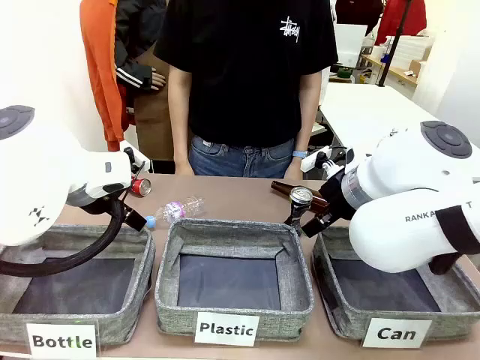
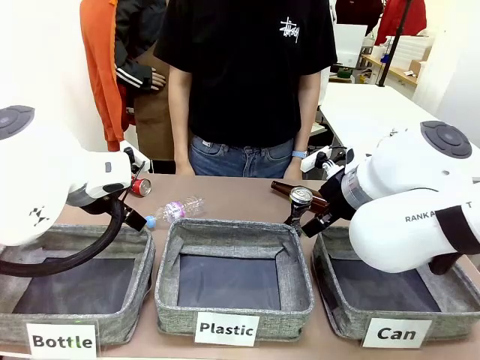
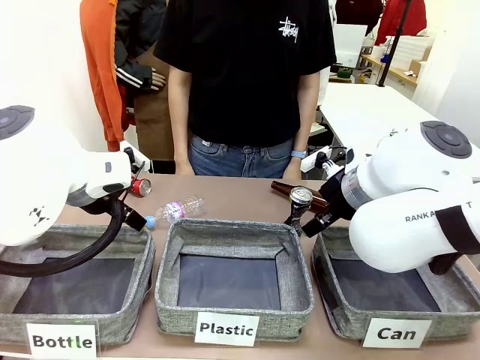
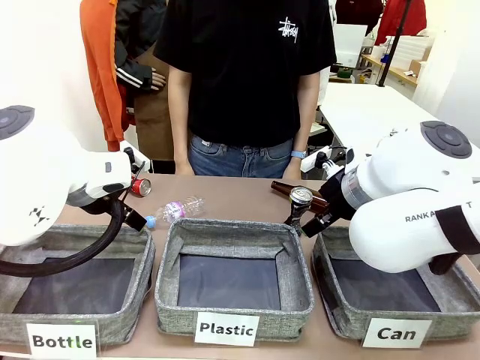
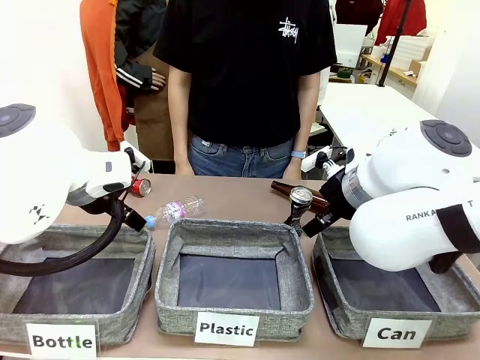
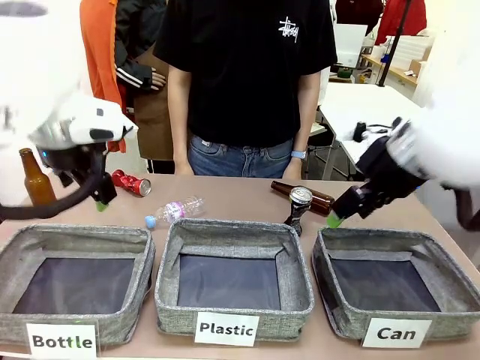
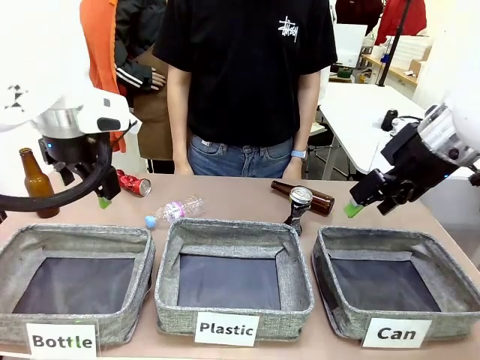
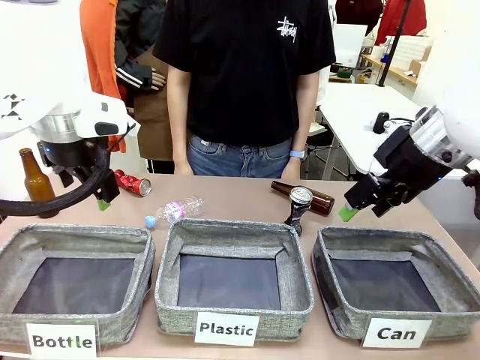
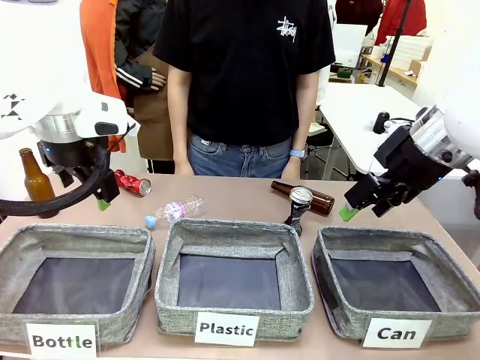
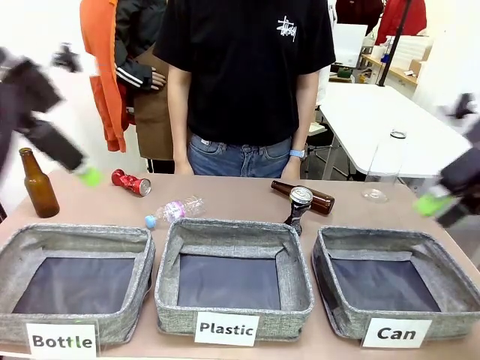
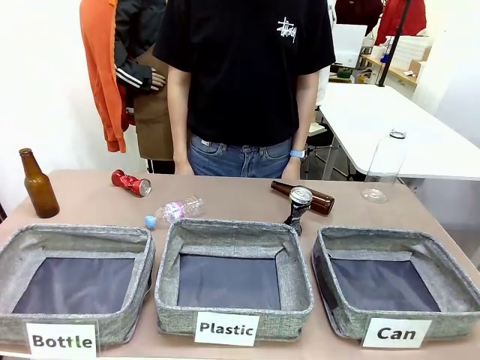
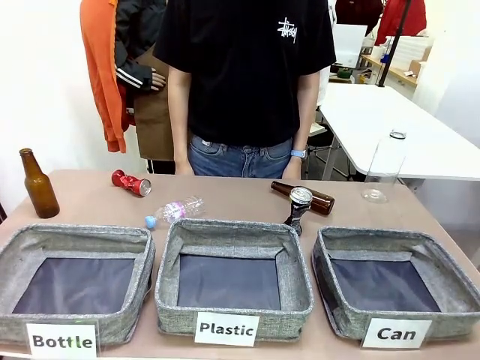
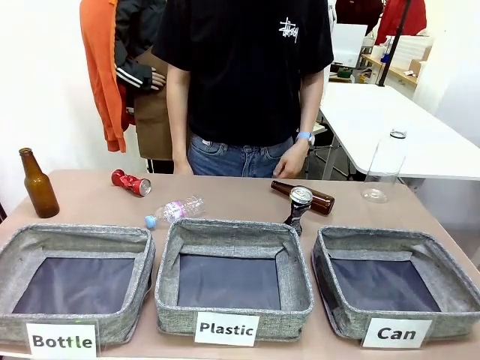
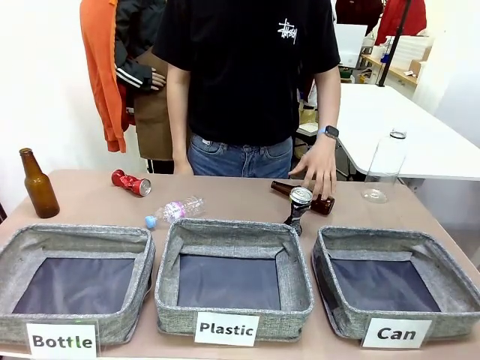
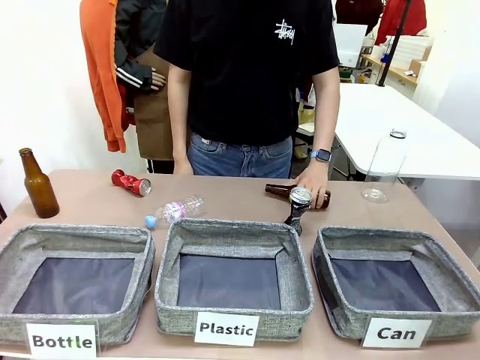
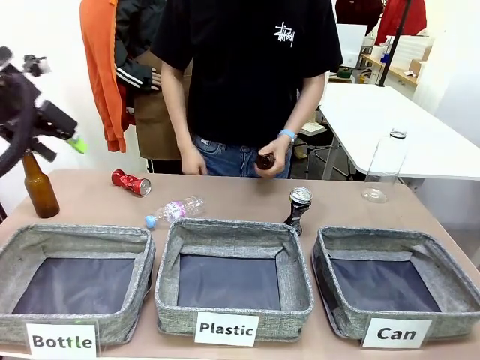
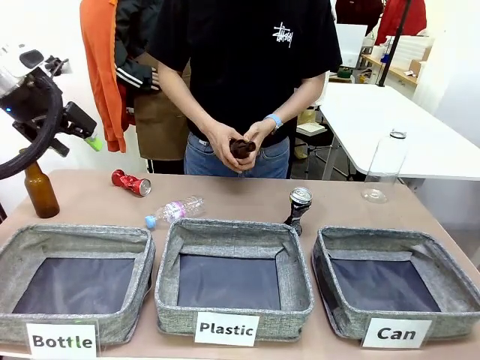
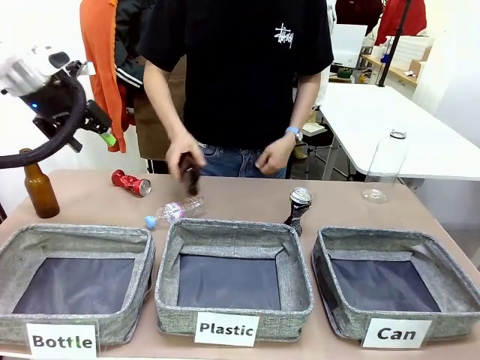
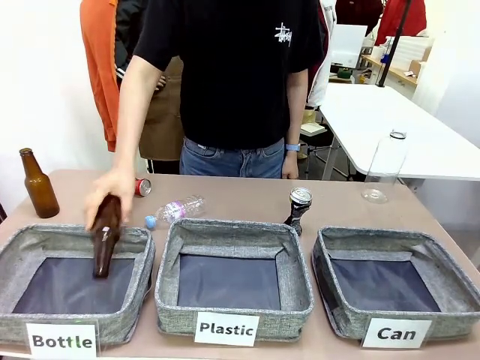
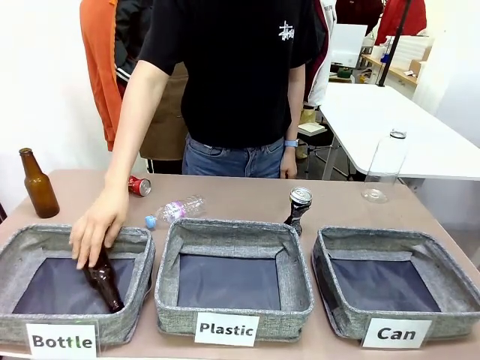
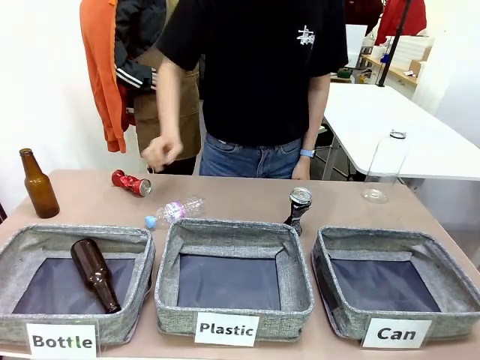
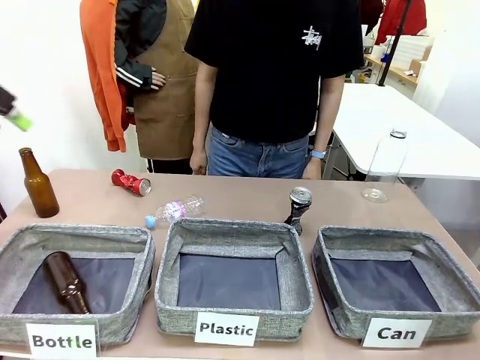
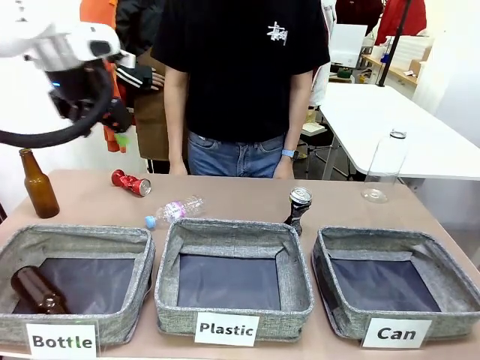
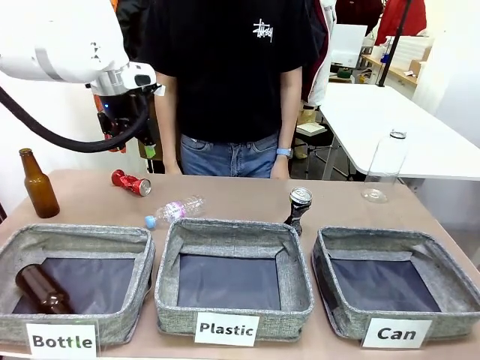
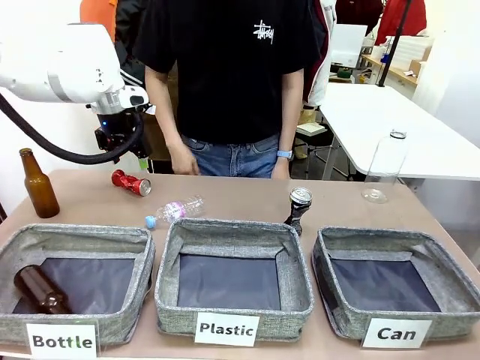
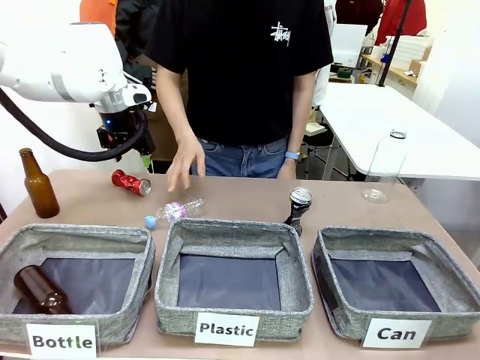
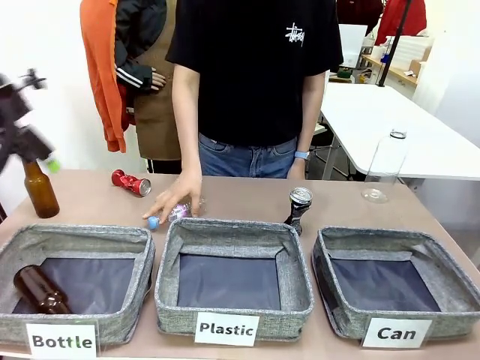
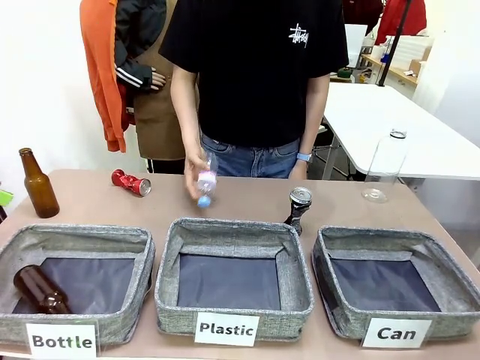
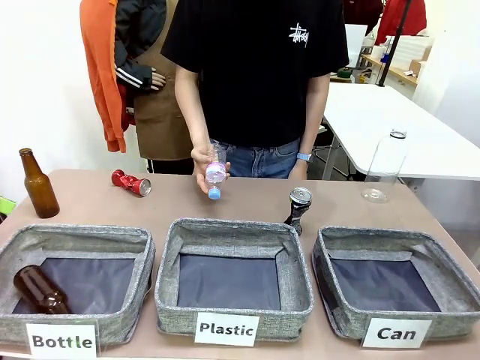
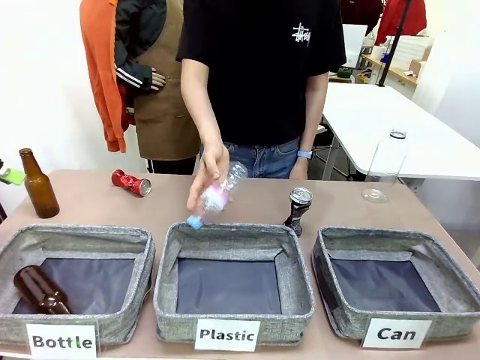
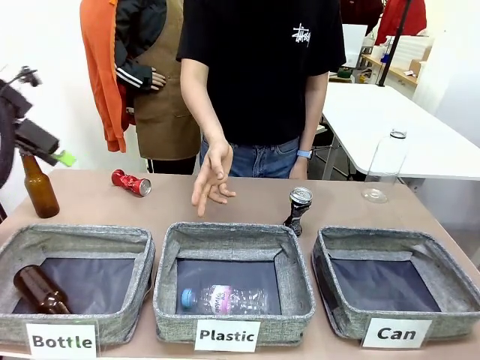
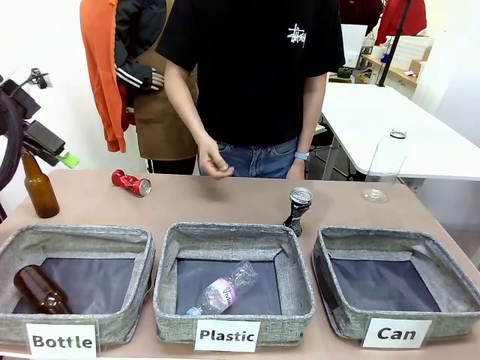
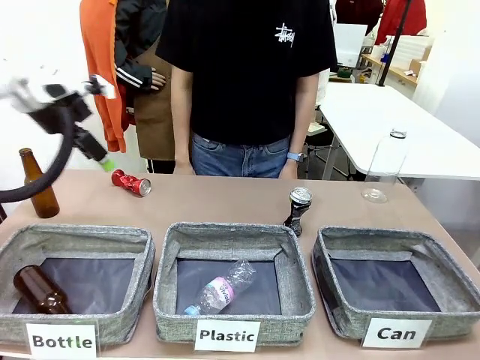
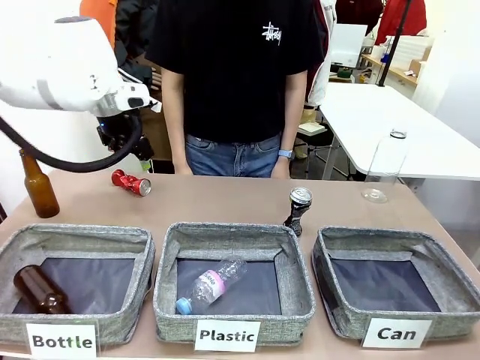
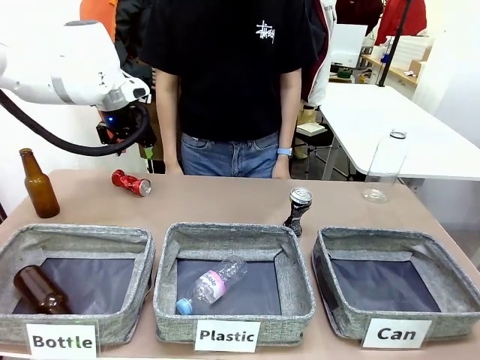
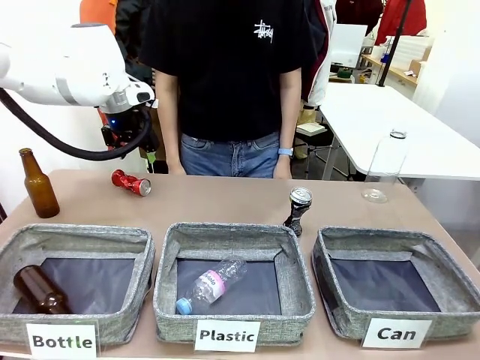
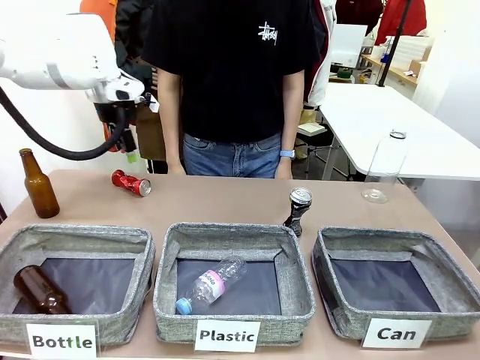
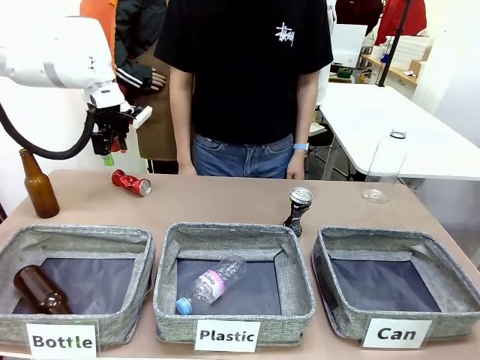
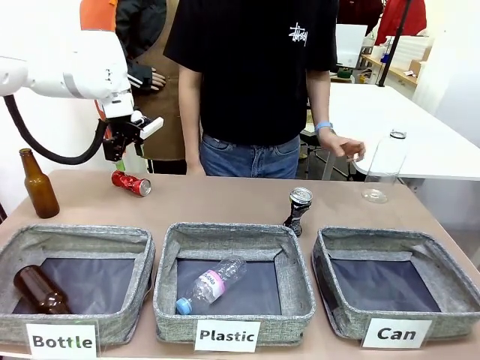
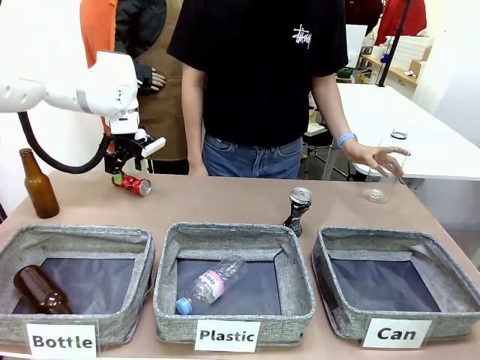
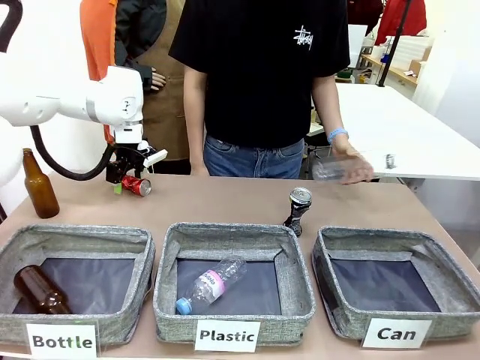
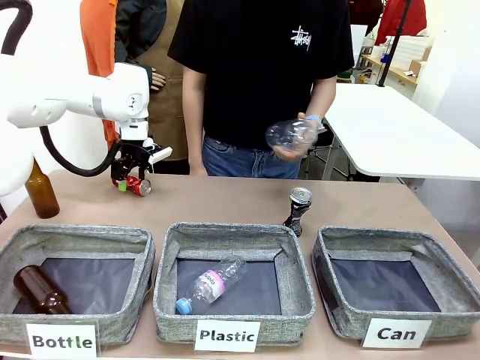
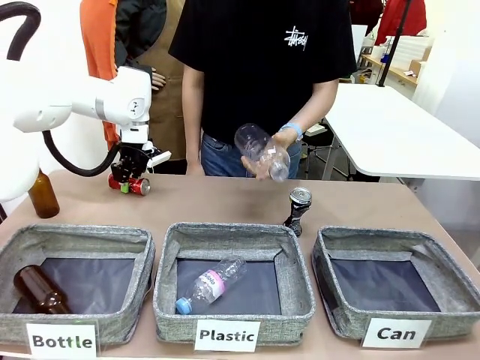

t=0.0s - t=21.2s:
Task: Sort the can waste into the basket.
Robot: Pick up the can waste from the table and place it in the right Fabric basket.
